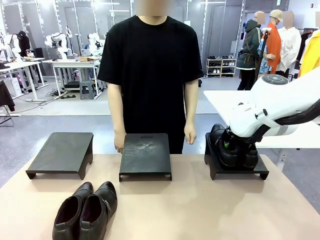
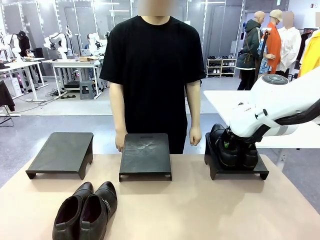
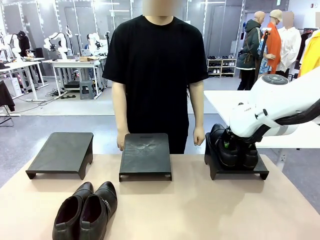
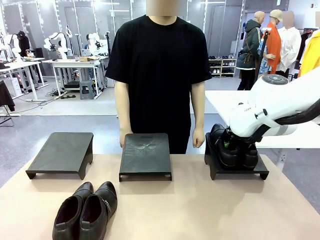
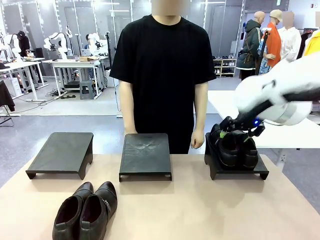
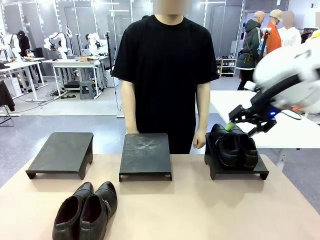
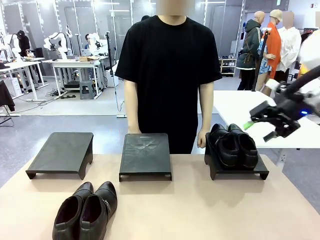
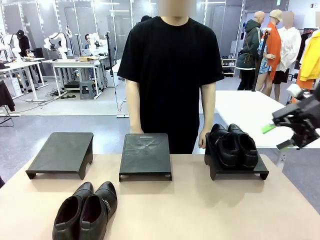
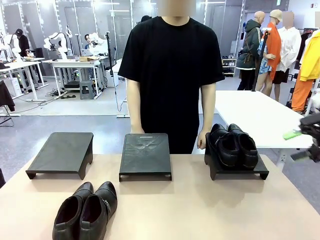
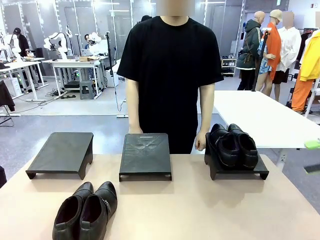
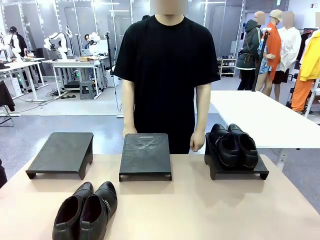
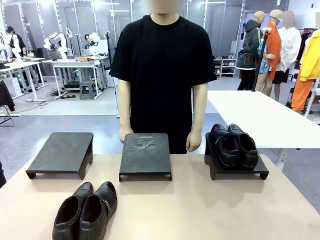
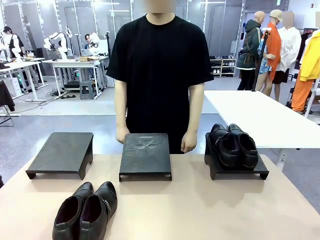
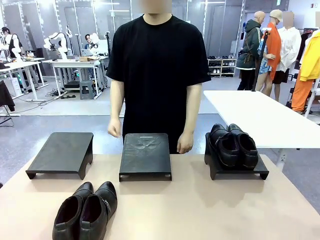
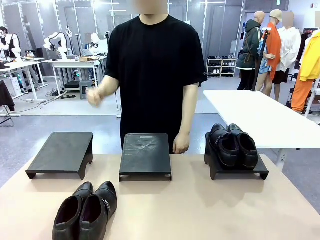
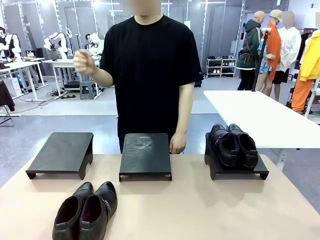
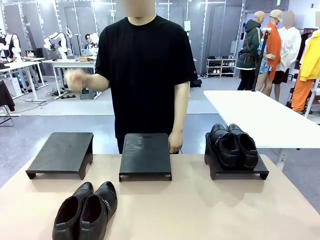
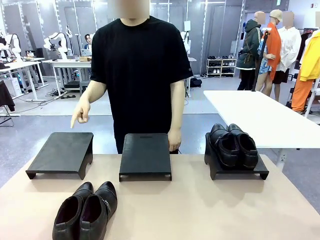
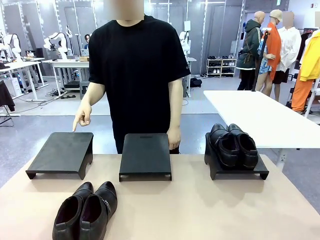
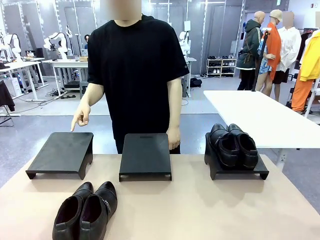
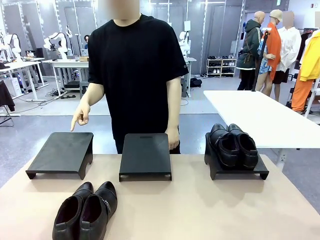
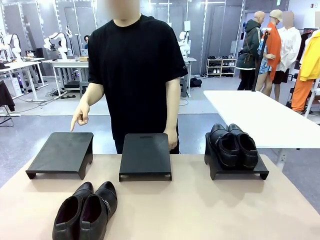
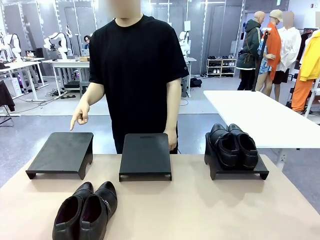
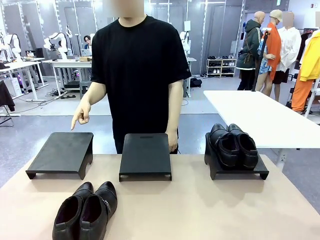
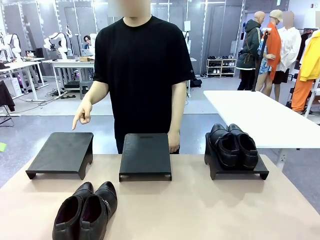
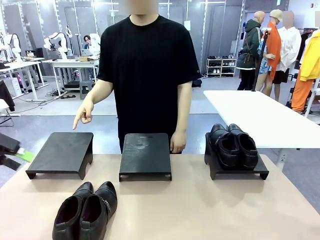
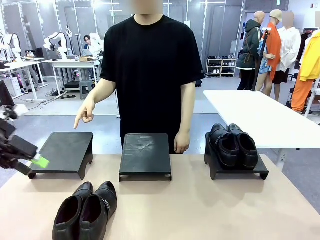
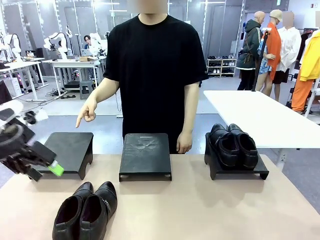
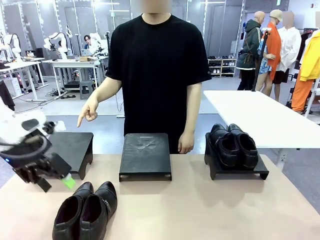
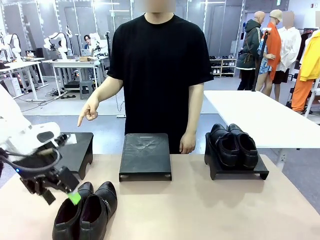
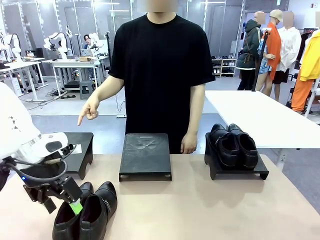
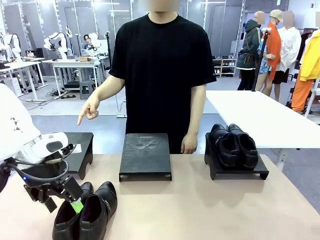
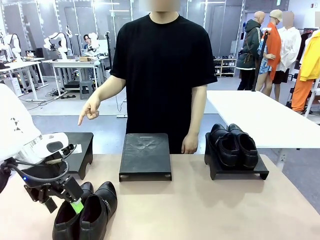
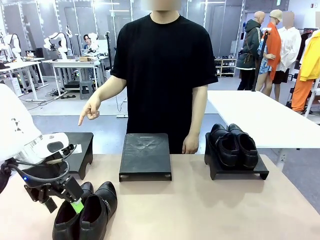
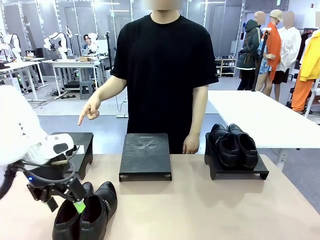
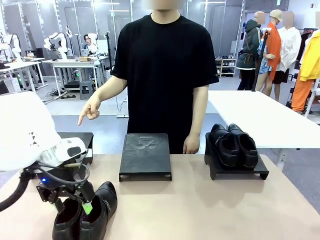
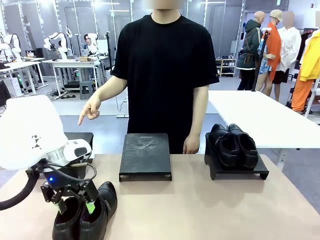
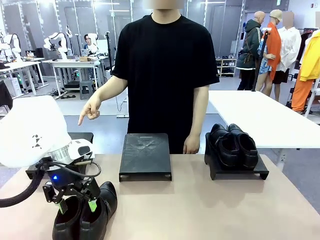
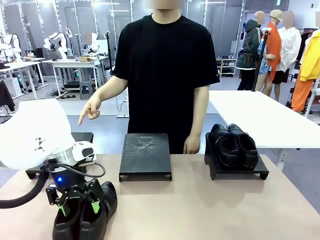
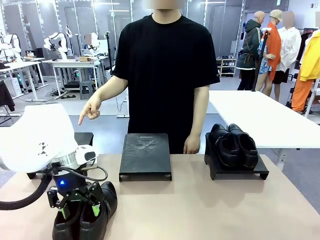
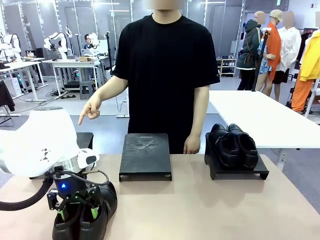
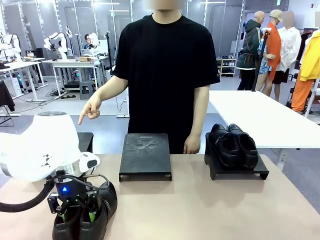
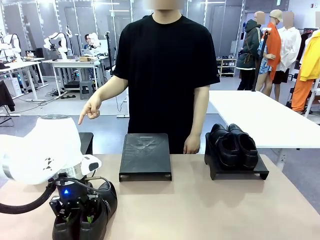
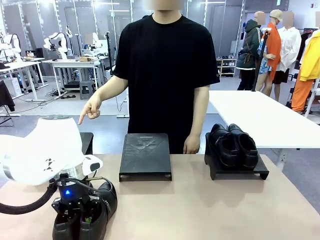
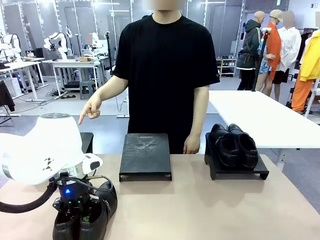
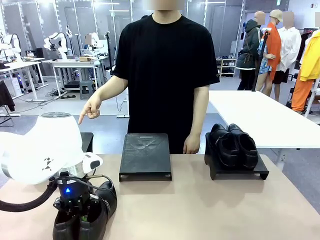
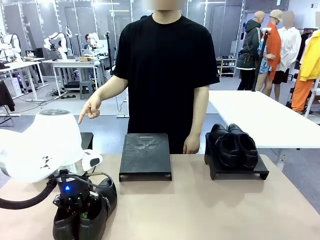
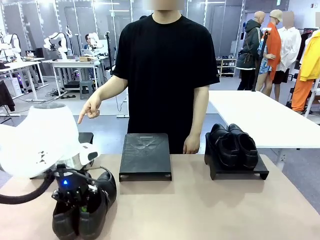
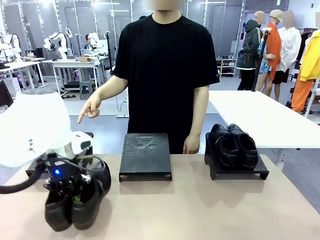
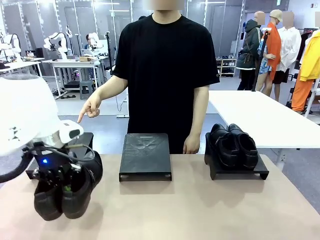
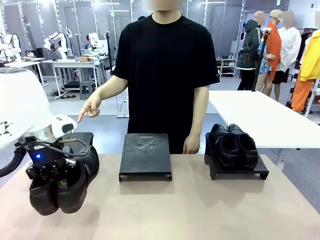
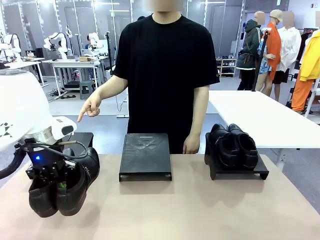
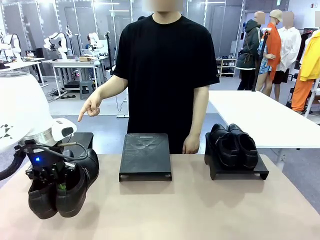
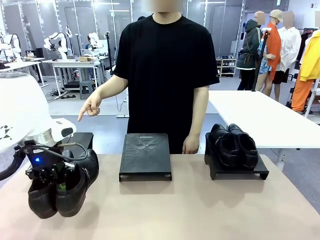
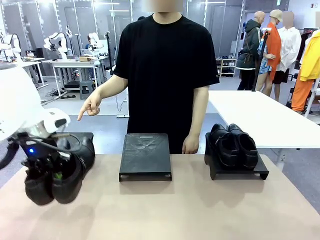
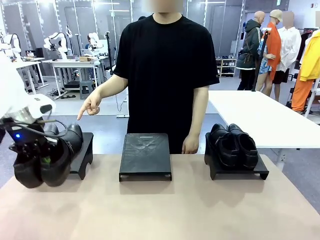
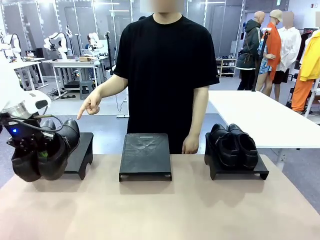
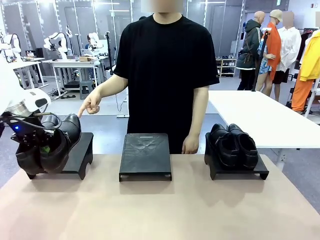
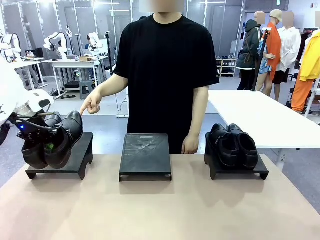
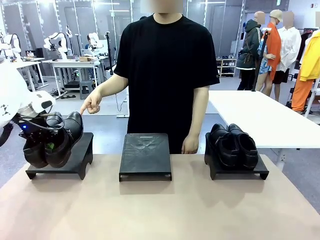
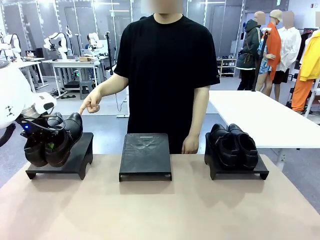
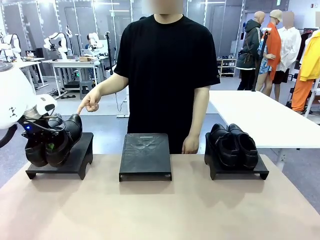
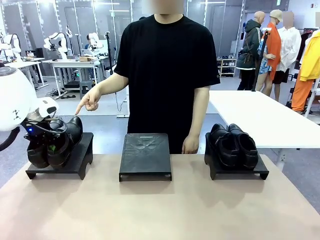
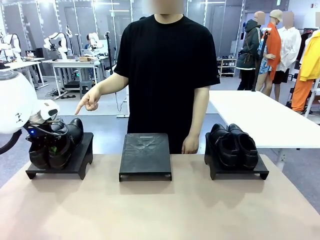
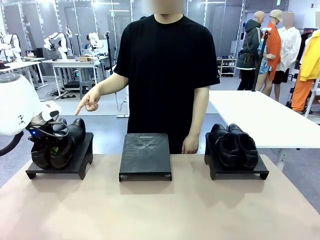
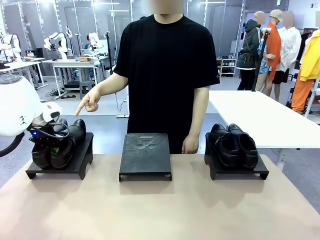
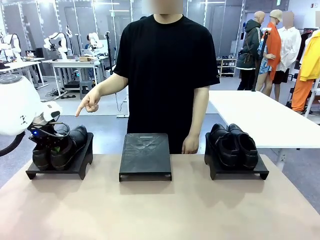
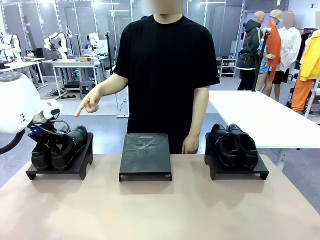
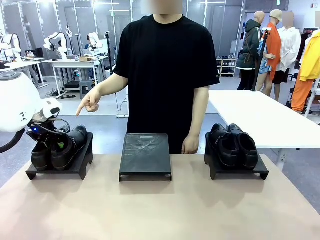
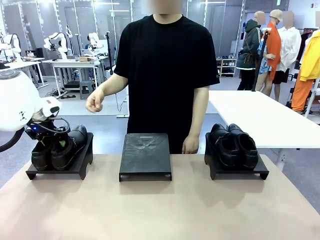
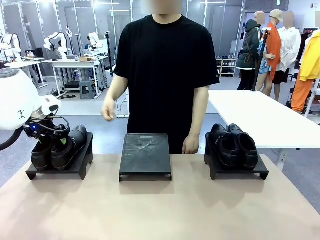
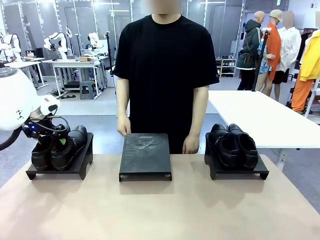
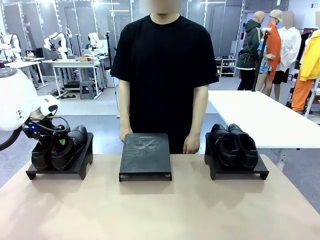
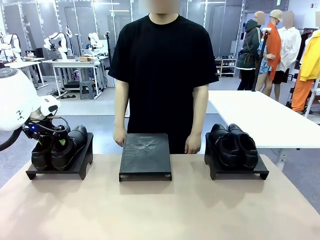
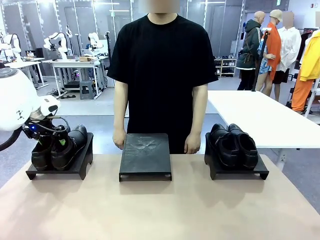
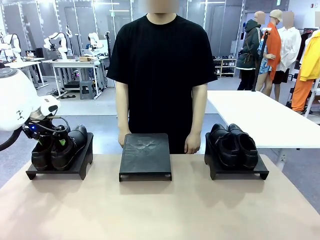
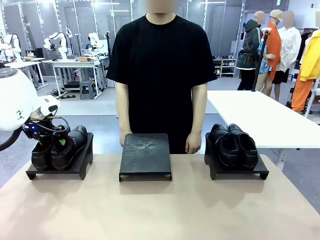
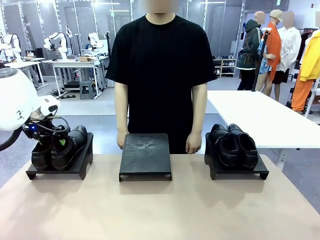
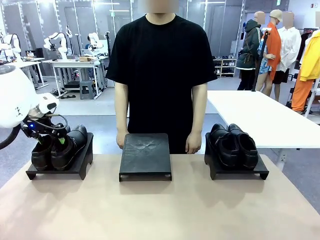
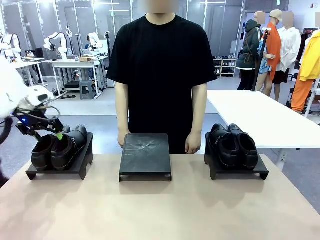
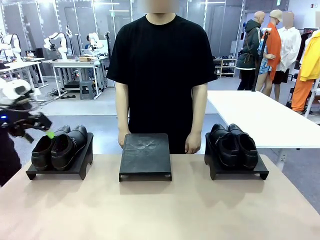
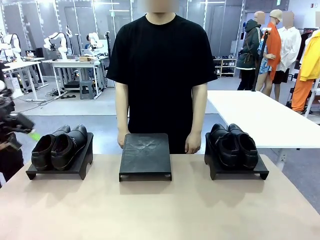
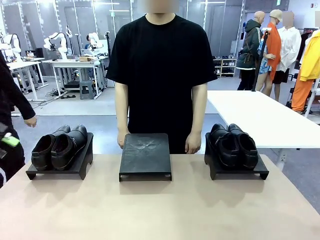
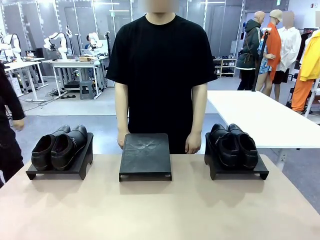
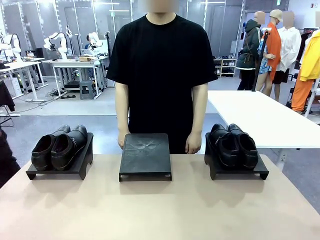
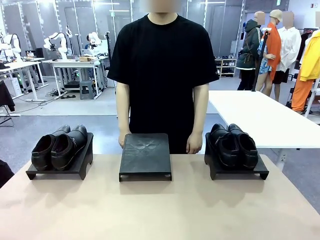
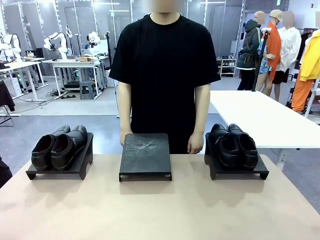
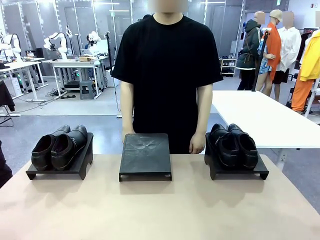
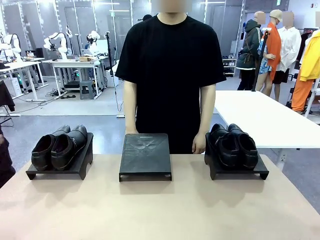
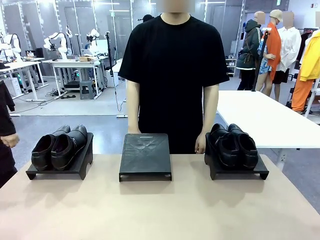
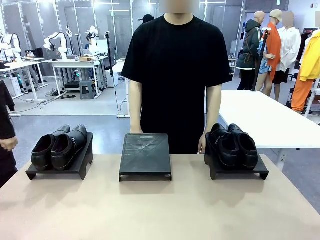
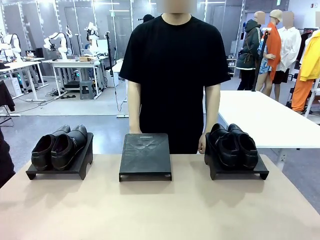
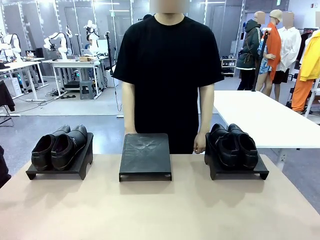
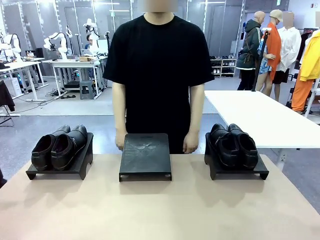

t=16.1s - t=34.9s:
Task: Place the shoes on the stand as instructed by the person.
Robot: Pick up another pair of Shoes and place it on the Shoes Stand indicated by the person.
Person: Point to one Shoes Stand.
